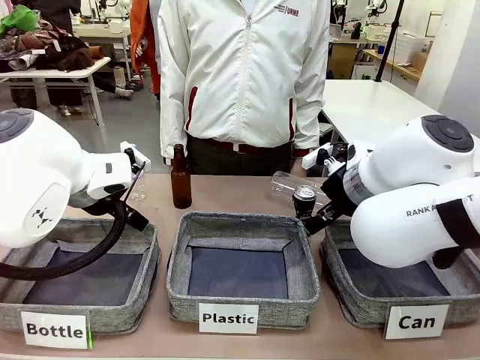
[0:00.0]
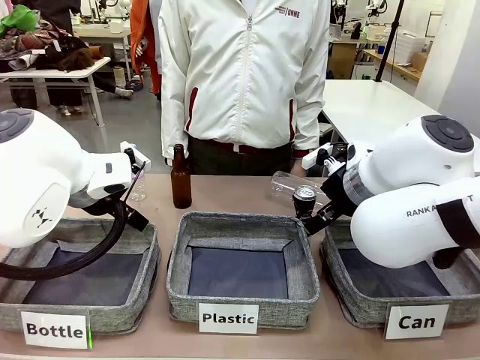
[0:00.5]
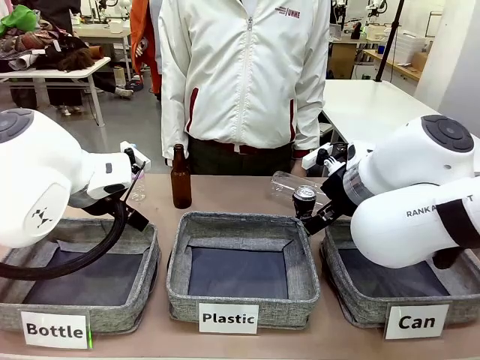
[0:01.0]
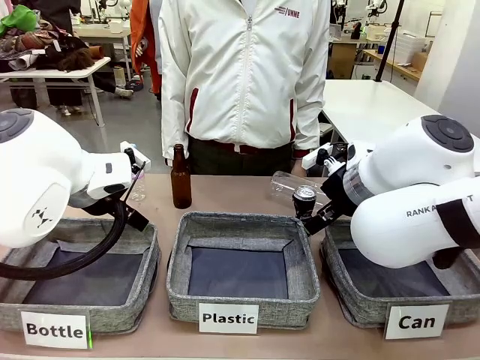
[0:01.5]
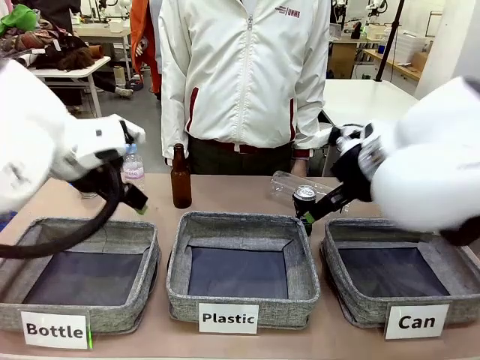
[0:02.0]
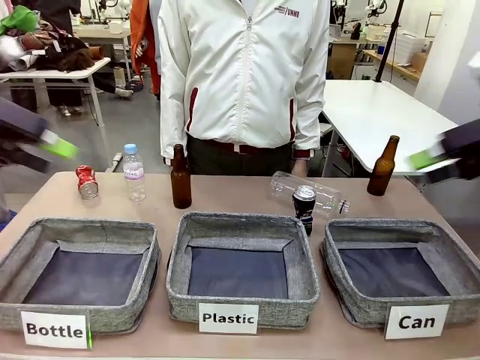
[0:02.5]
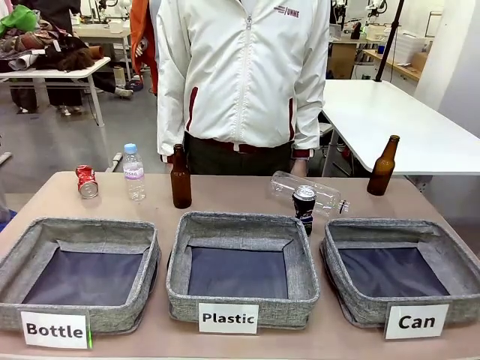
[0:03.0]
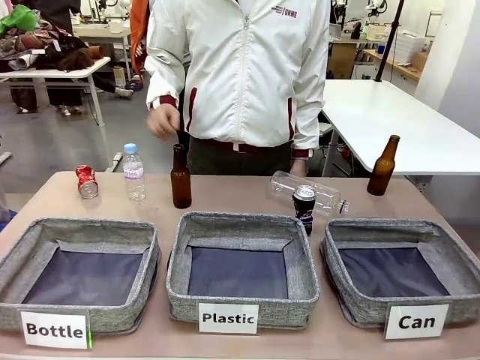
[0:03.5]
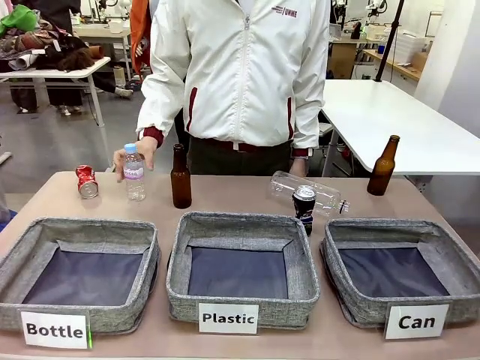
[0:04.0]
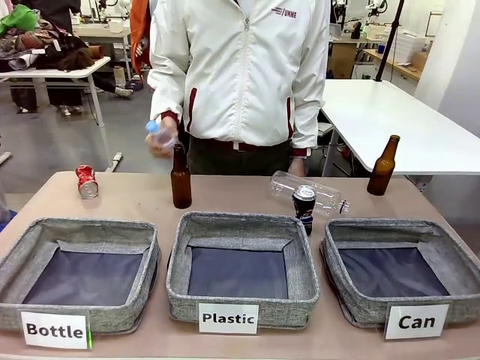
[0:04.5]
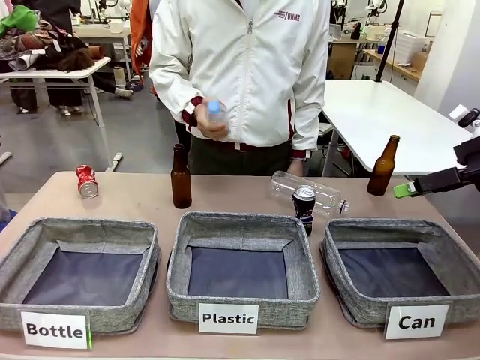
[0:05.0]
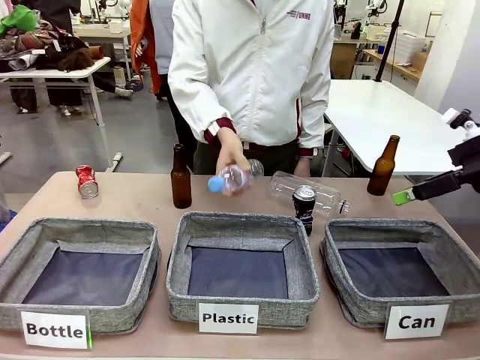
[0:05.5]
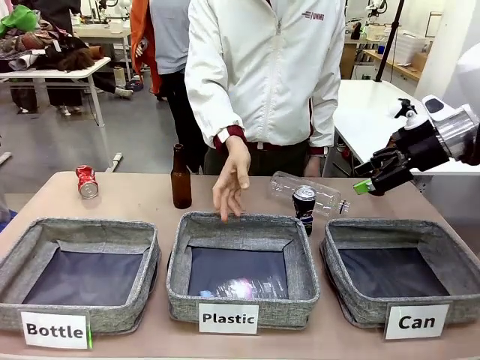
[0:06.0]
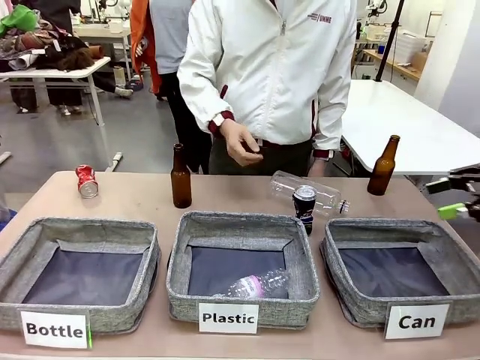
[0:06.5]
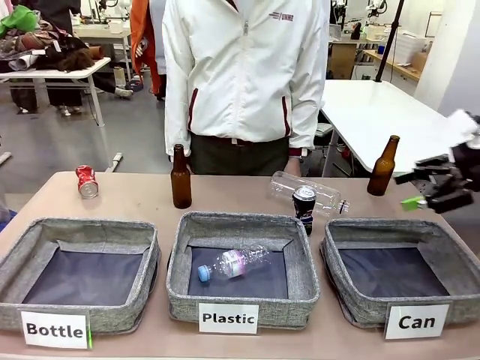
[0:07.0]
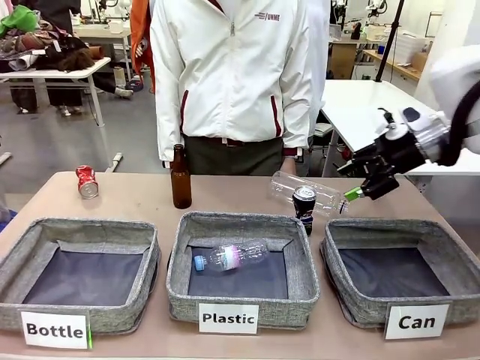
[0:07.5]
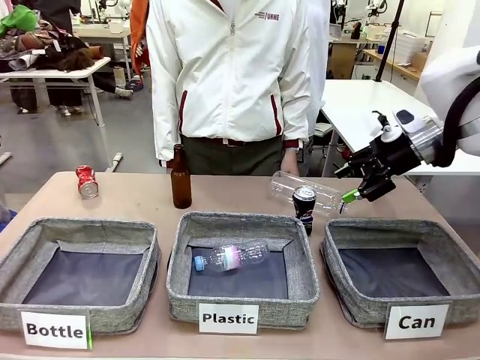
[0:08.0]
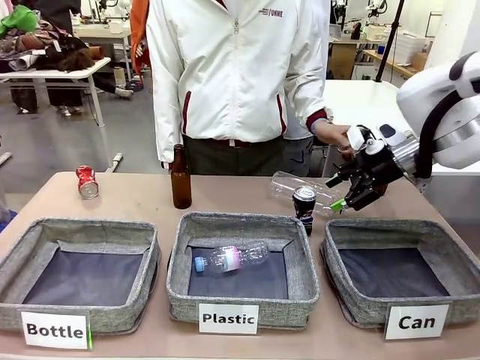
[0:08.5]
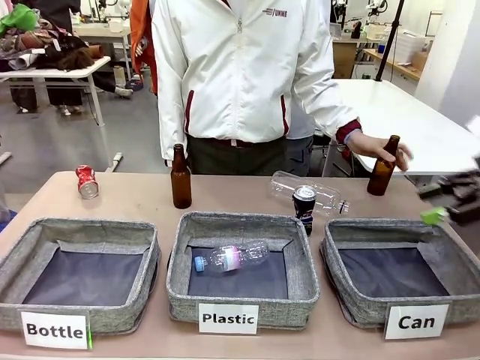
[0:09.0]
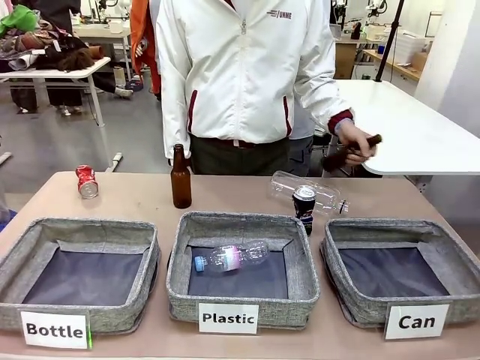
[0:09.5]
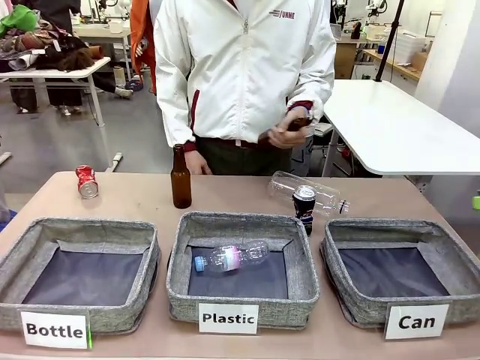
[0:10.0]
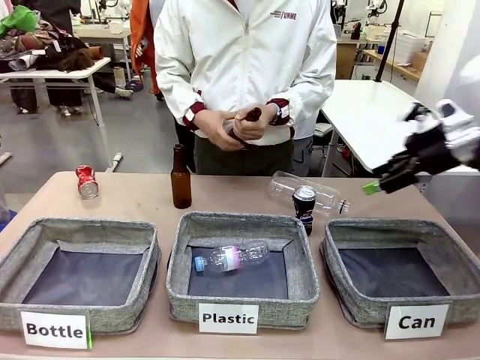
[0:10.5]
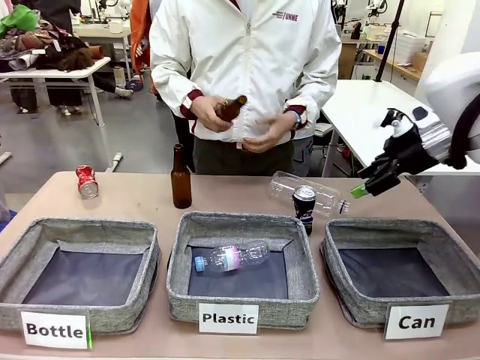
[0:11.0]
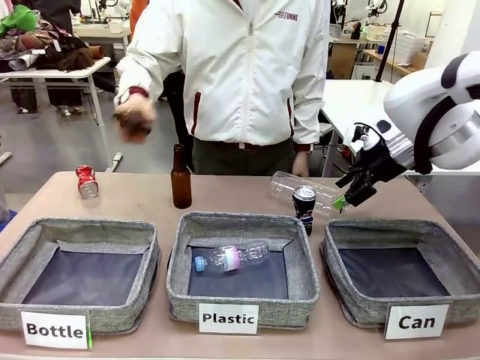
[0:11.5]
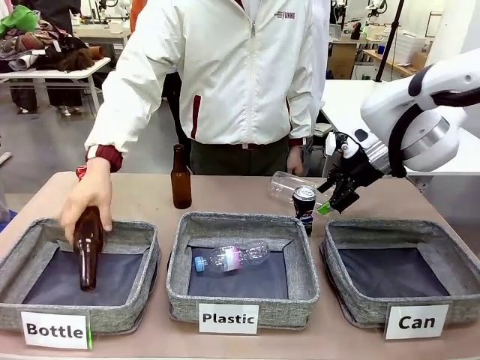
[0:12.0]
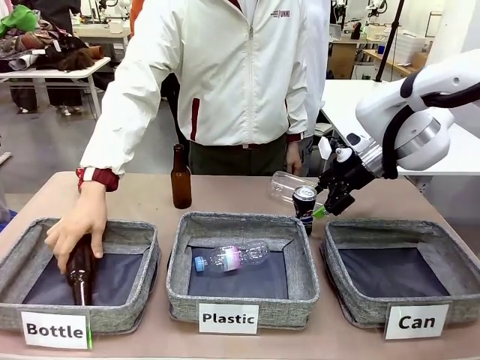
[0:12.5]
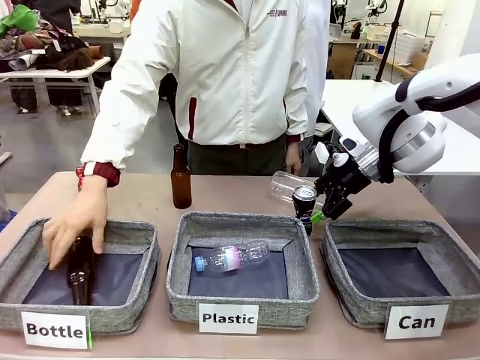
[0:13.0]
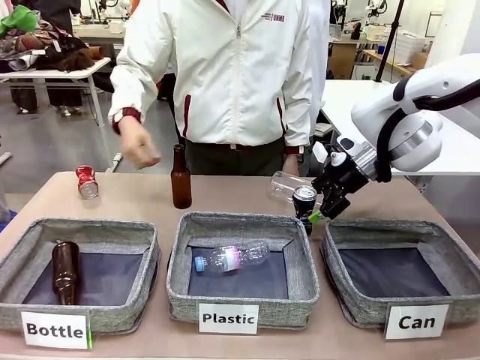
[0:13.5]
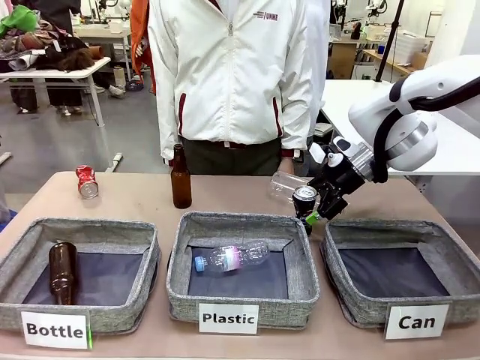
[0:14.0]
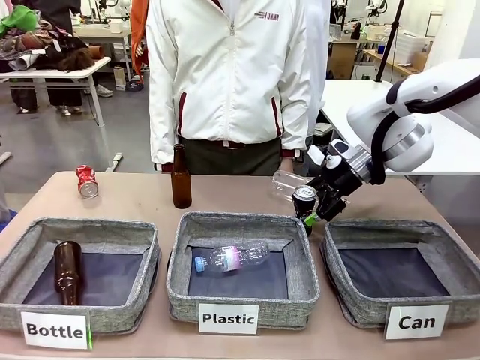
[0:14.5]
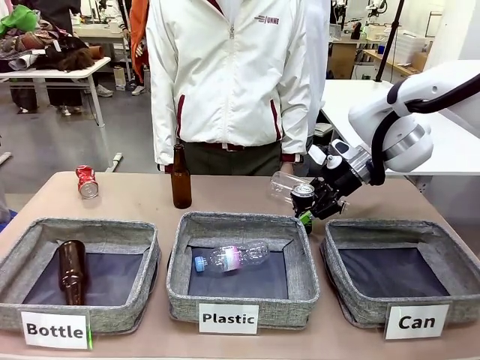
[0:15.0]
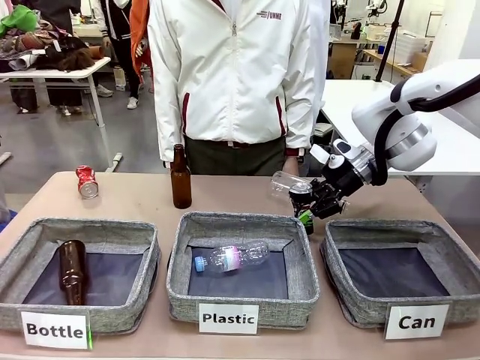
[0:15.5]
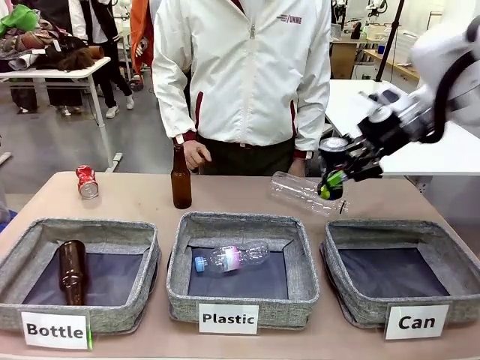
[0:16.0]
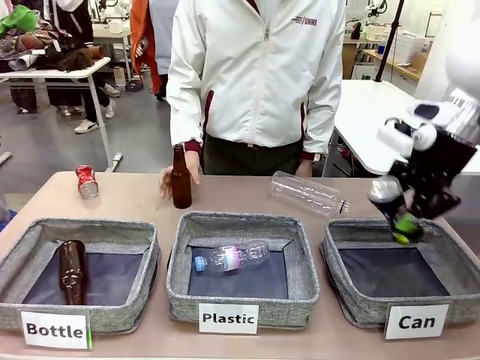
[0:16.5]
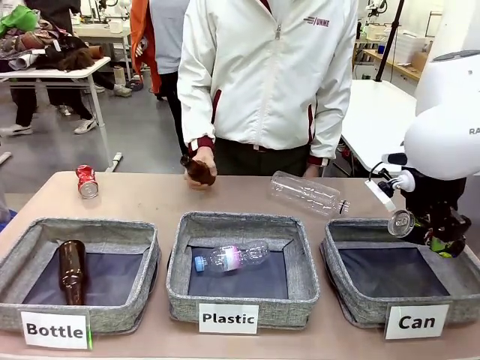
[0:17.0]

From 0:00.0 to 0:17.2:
Task: Sort the can waste into the basket.
Robot: Pick up the can waste from the table and place it in the right Fabric basket.
